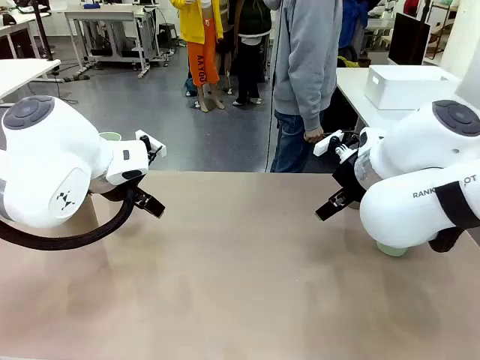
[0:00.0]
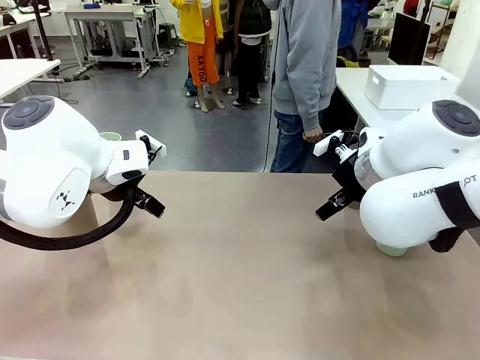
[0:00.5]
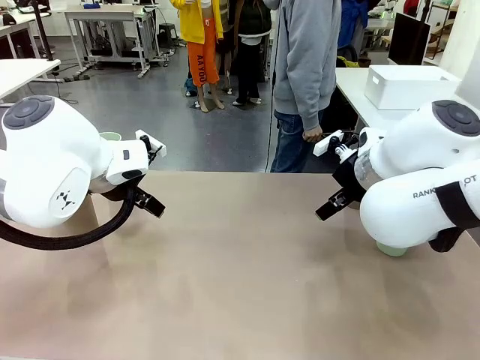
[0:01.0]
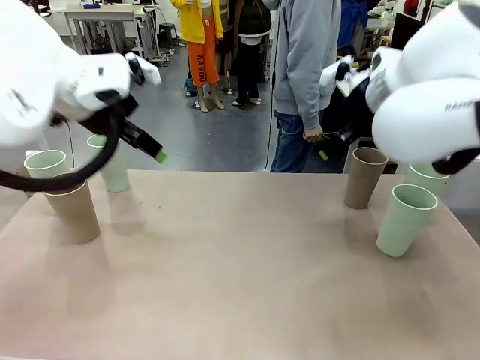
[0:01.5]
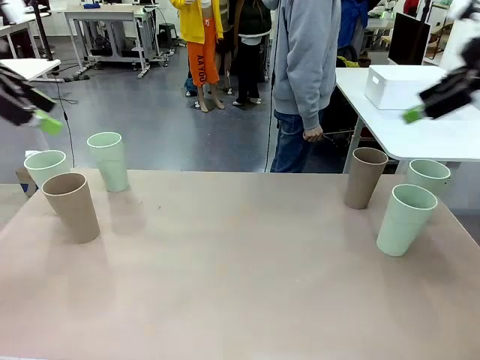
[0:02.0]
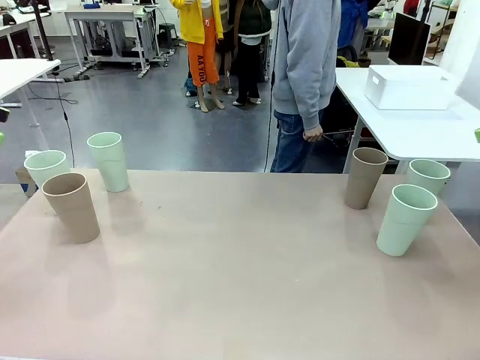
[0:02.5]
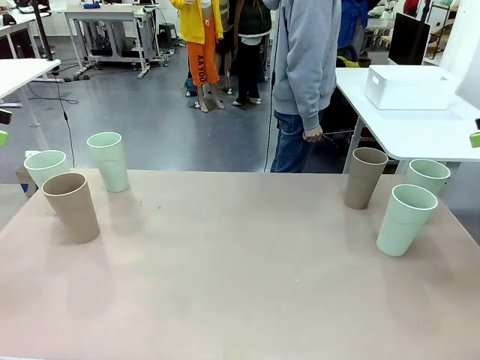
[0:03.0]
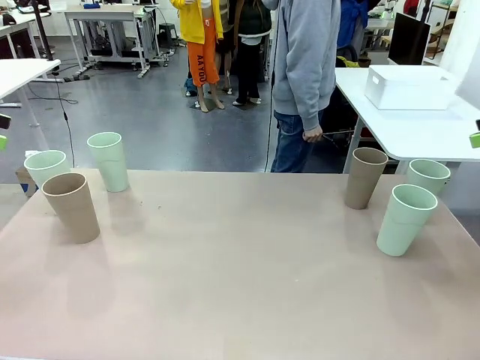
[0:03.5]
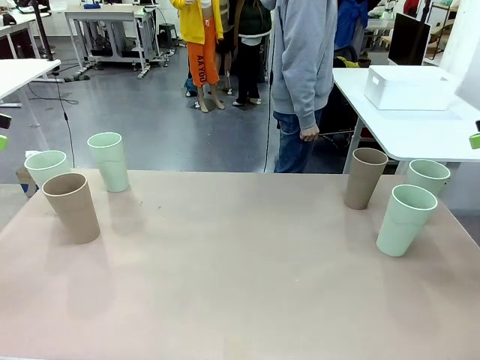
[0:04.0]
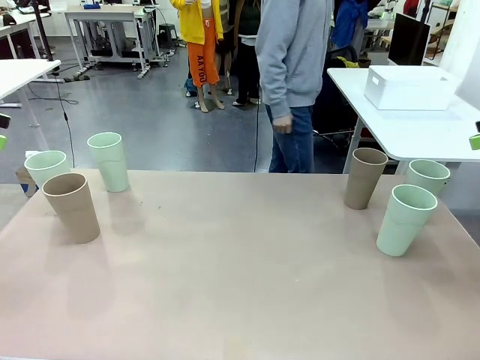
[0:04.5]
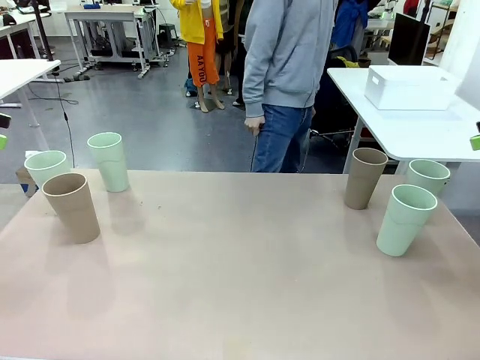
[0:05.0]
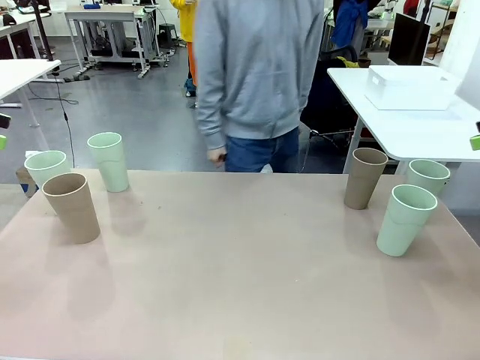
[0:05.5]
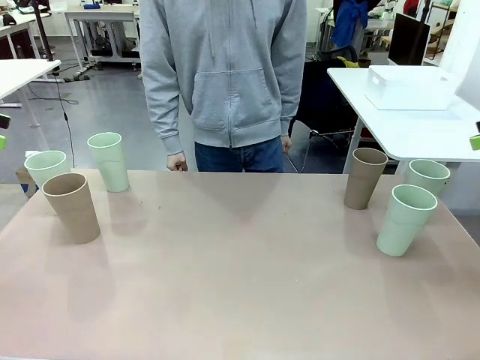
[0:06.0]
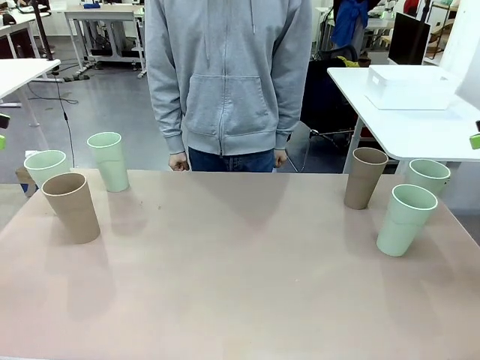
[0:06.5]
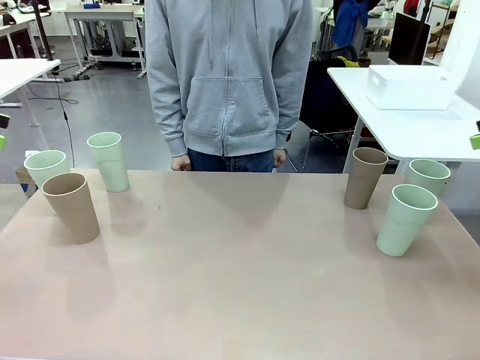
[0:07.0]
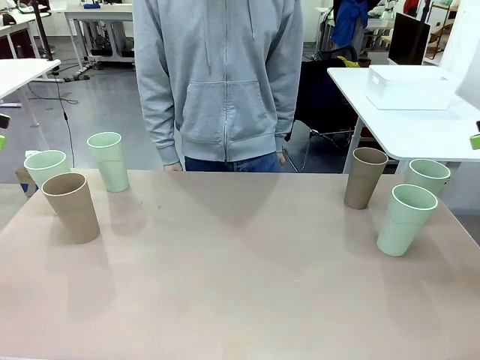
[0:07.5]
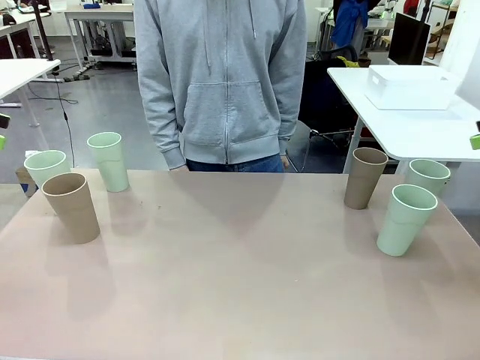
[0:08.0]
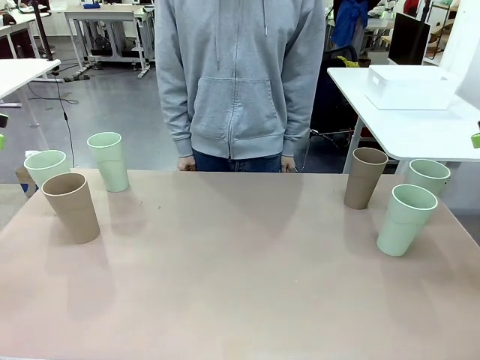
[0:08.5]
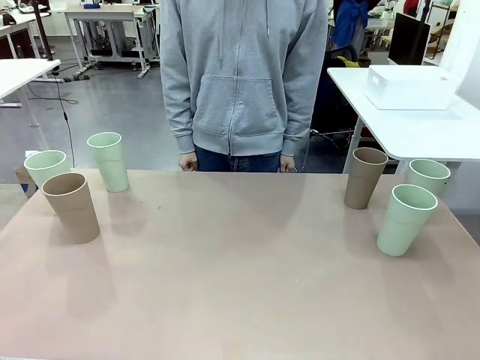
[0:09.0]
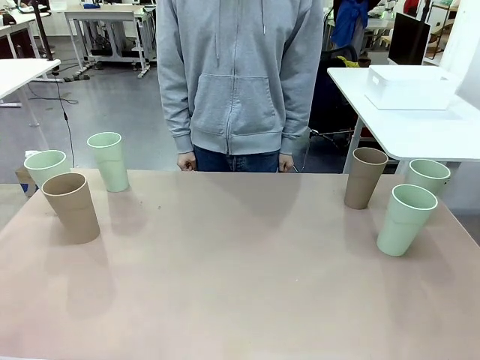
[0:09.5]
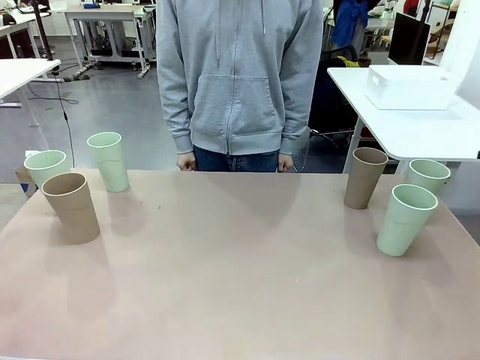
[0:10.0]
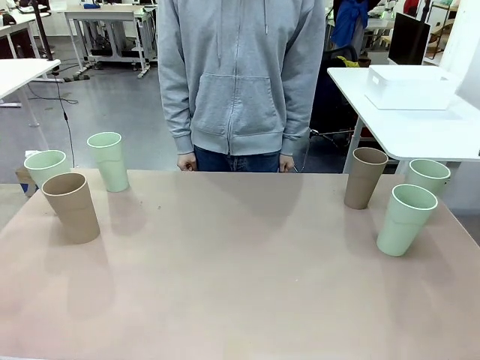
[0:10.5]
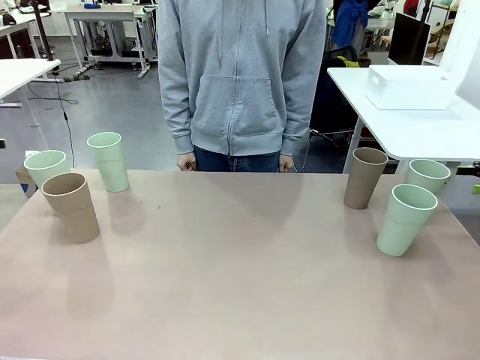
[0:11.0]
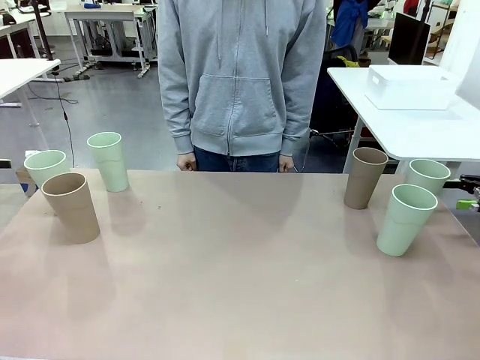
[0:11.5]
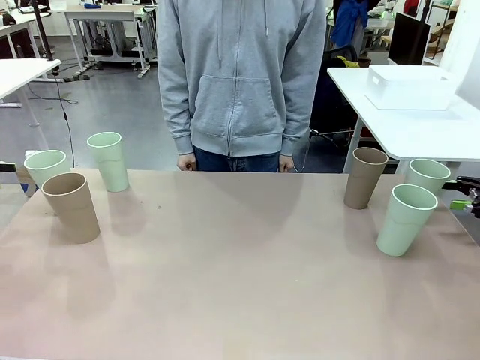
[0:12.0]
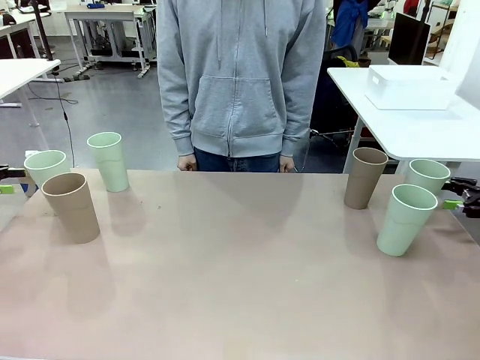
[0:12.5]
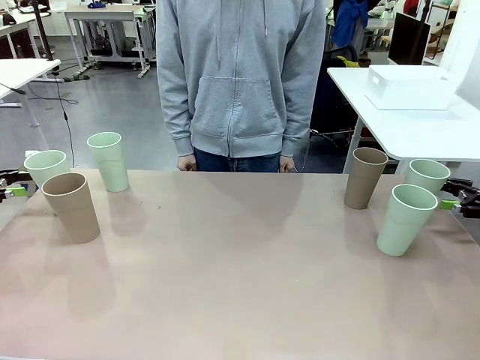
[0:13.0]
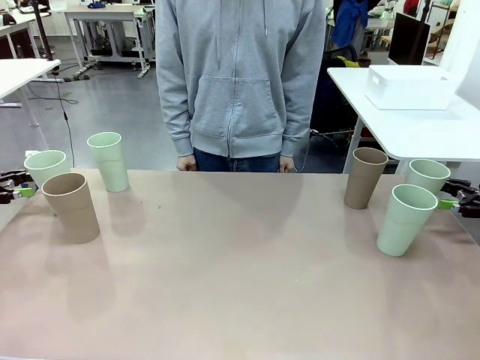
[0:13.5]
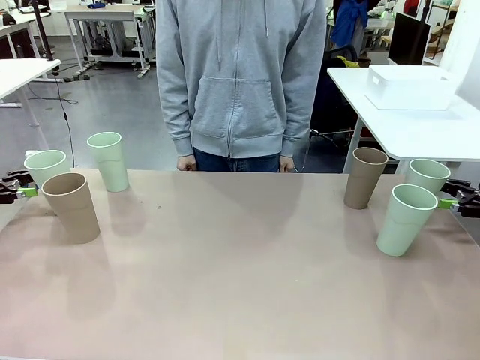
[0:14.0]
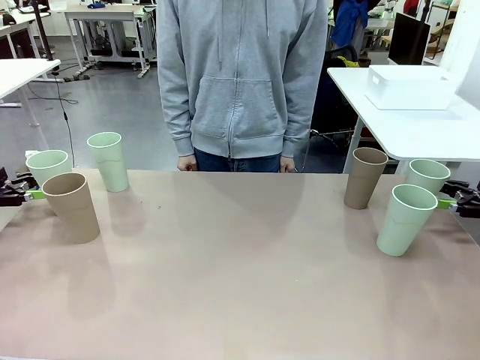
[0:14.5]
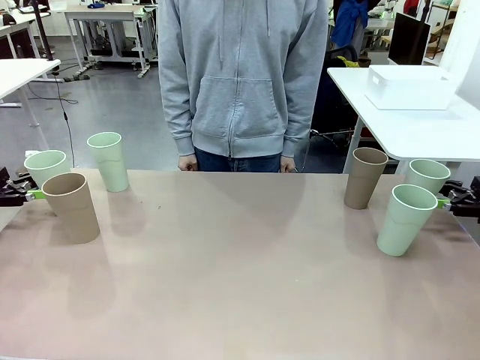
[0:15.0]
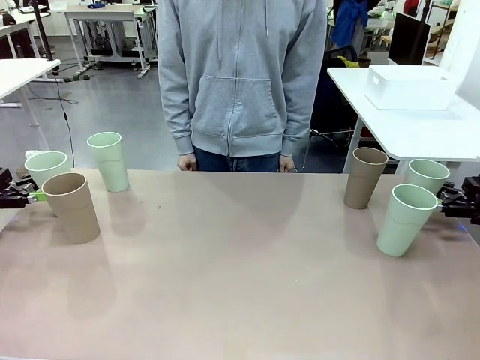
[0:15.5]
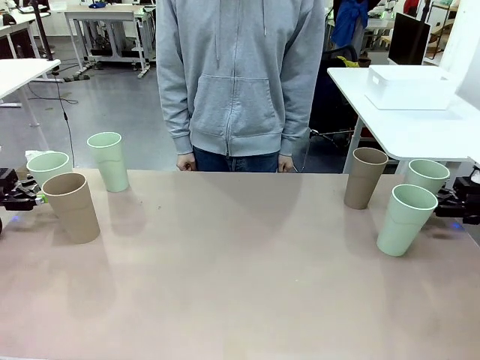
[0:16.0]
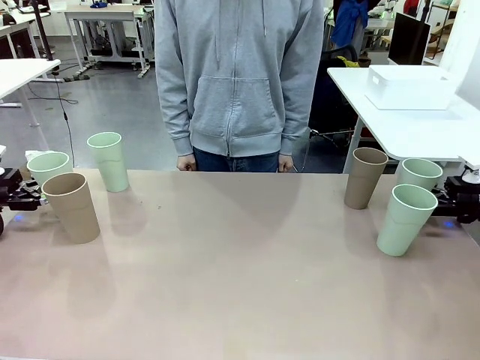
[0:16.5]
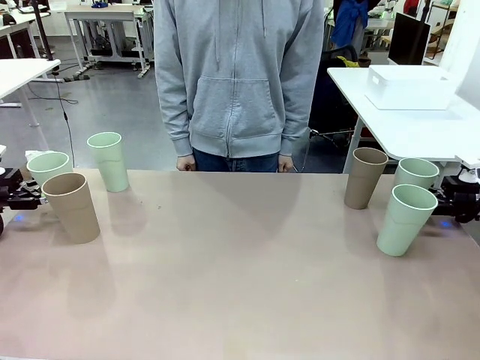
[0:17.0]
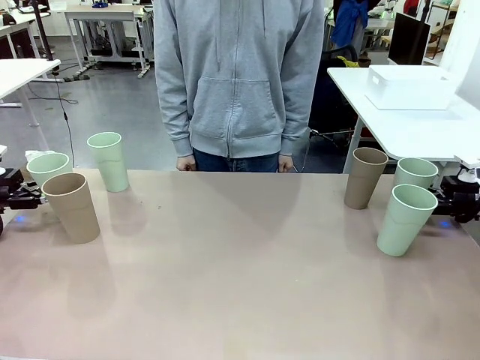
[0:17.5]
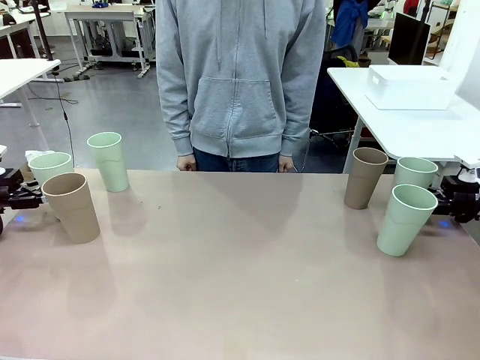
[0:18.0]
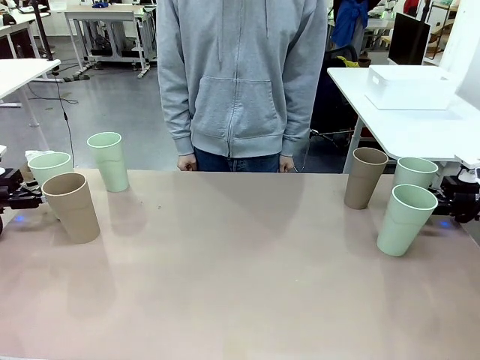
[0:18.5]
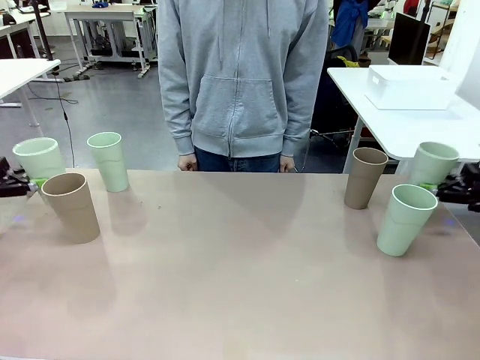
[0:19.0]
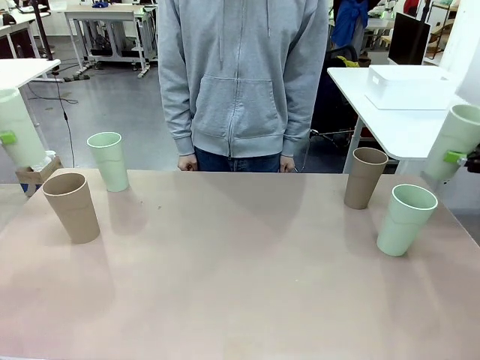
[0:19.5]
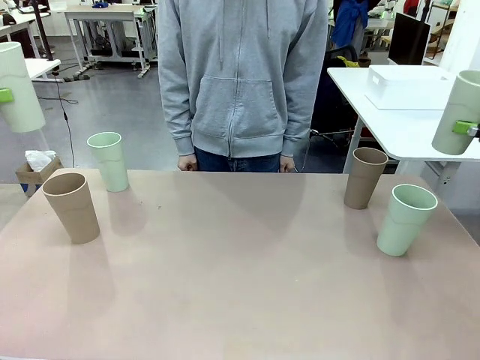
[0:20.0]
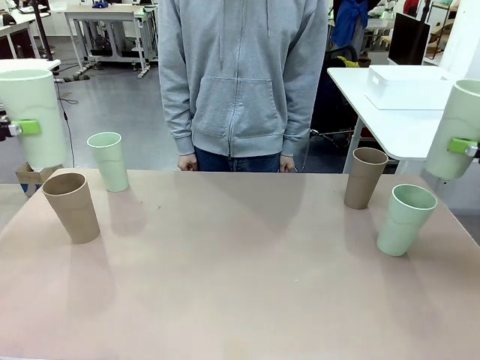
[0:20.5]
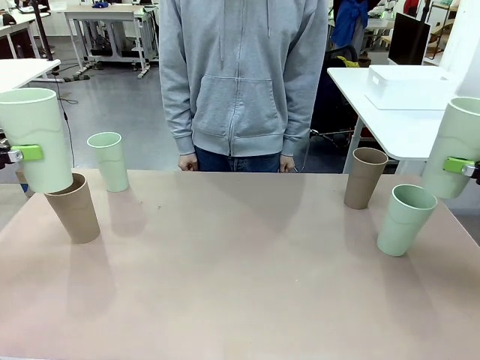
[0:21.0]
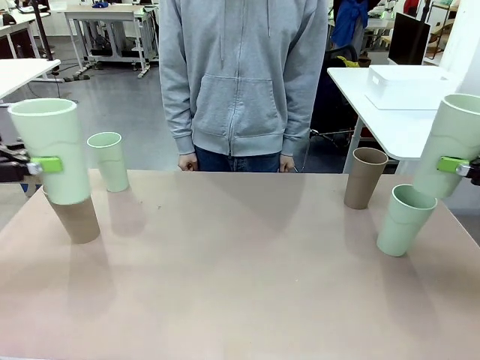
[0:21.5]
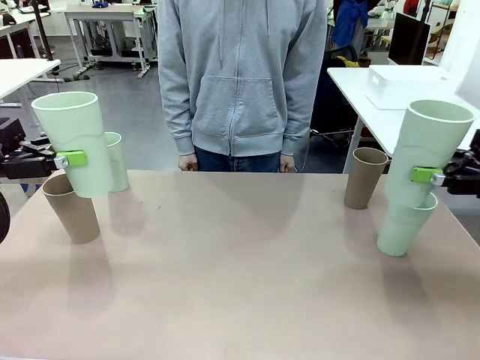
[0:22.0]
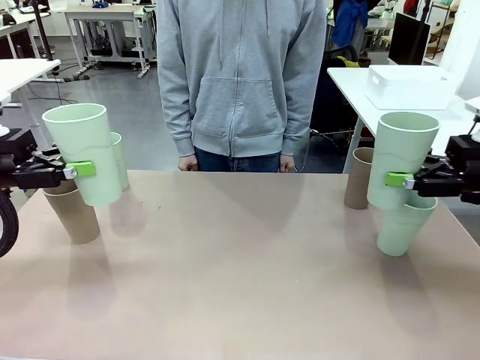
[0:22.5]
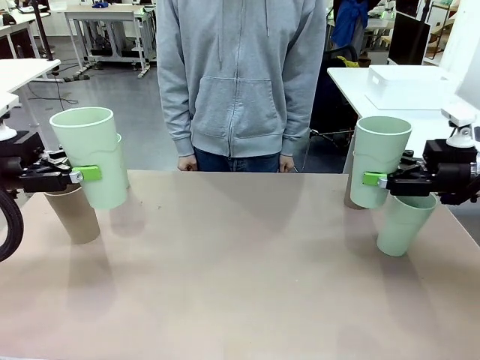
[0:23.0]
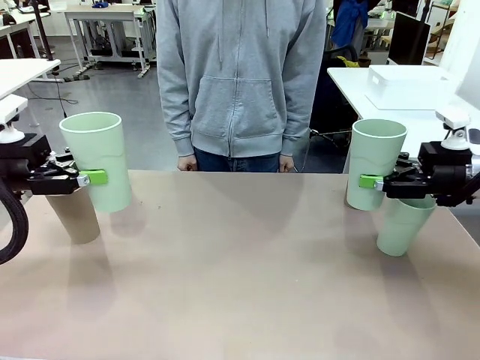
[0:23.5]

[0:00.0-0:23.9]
Task: Stack the cups and store them in the basket.
Robot: Pick up two Reusable plastic cups , one in each hand.
Person: Move from the Human Table to the front of the Robot Table. Stack two of the remaining cups on top of each cup held by the robot.
